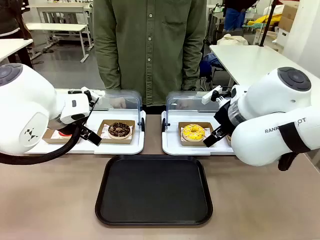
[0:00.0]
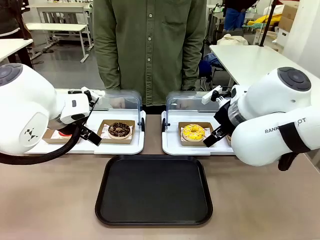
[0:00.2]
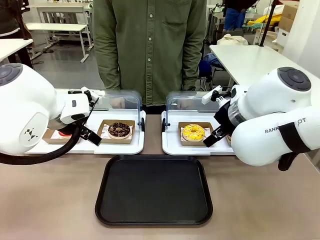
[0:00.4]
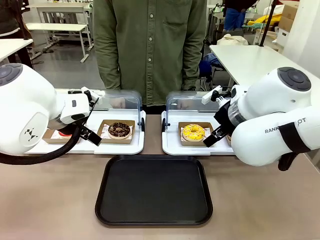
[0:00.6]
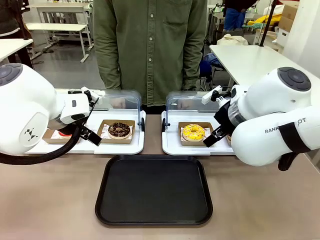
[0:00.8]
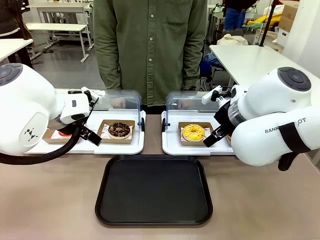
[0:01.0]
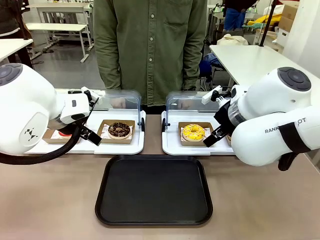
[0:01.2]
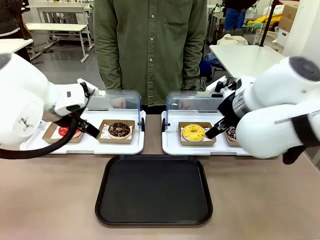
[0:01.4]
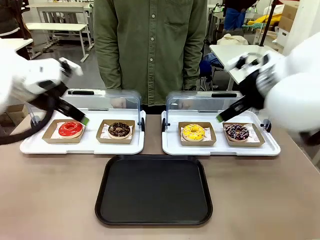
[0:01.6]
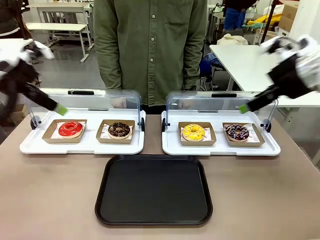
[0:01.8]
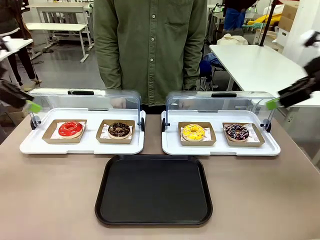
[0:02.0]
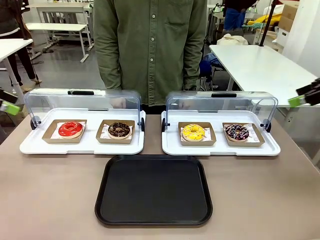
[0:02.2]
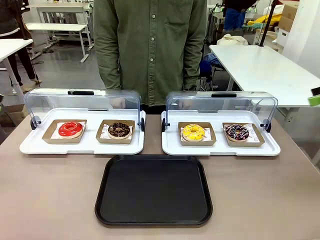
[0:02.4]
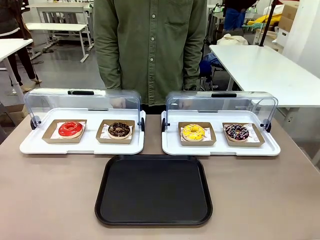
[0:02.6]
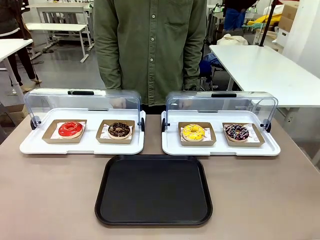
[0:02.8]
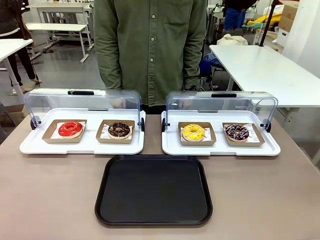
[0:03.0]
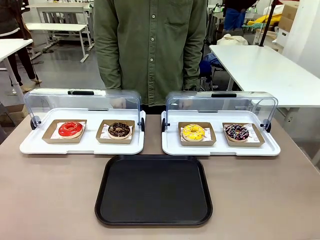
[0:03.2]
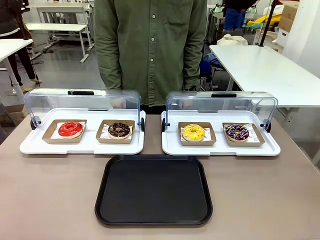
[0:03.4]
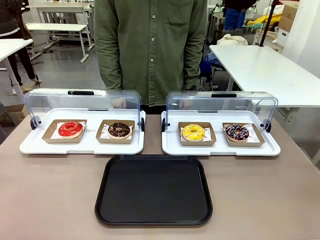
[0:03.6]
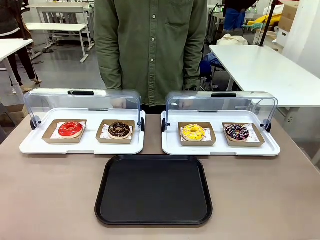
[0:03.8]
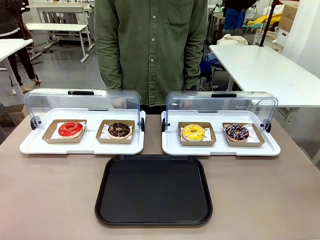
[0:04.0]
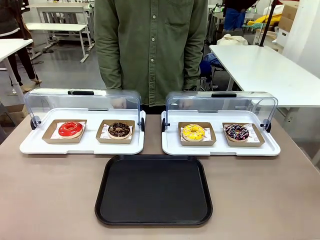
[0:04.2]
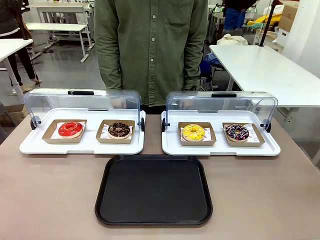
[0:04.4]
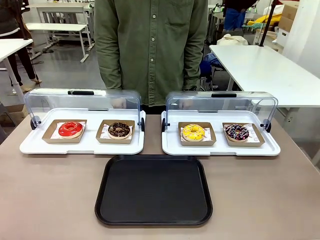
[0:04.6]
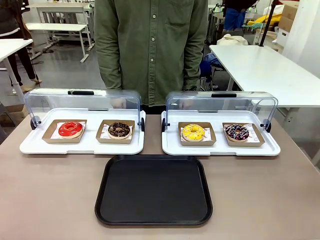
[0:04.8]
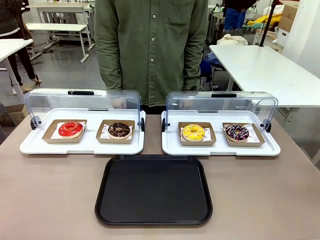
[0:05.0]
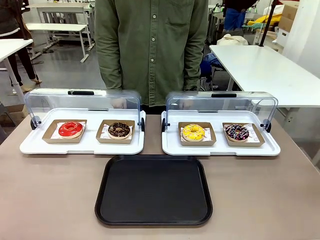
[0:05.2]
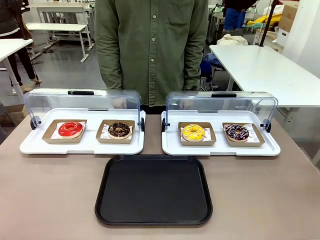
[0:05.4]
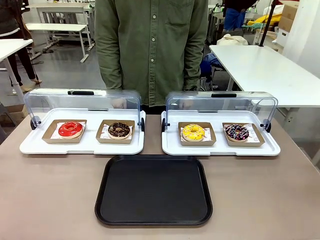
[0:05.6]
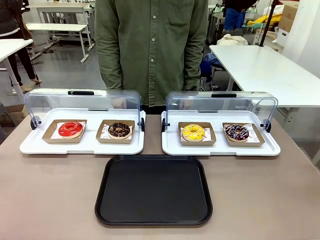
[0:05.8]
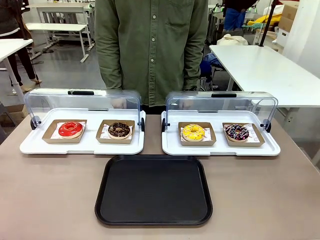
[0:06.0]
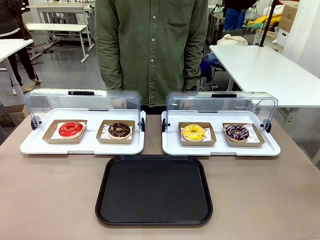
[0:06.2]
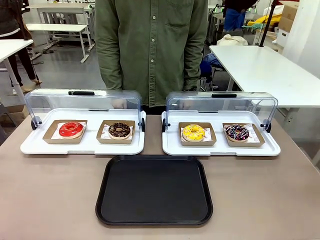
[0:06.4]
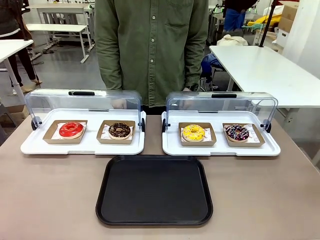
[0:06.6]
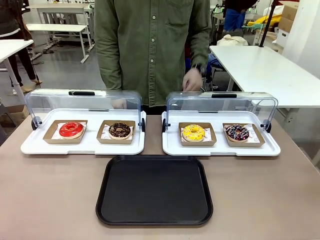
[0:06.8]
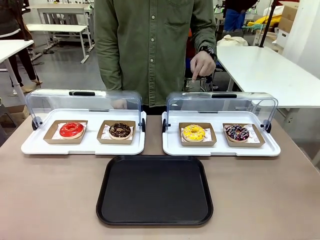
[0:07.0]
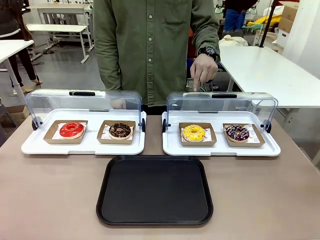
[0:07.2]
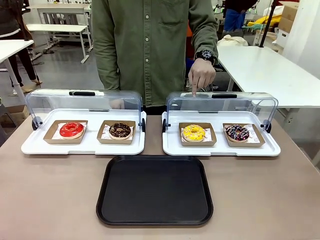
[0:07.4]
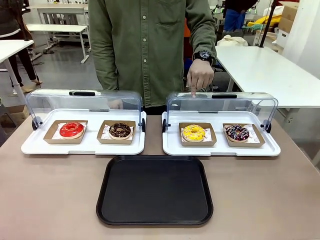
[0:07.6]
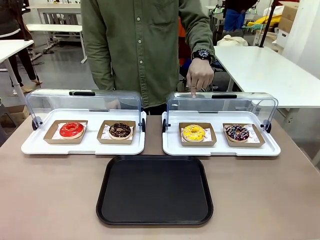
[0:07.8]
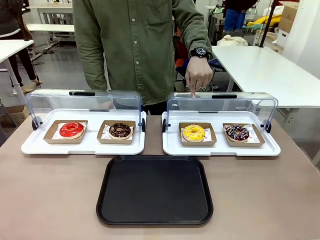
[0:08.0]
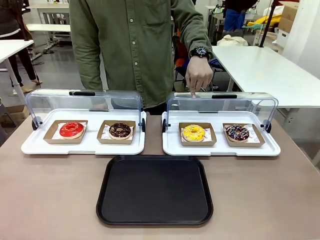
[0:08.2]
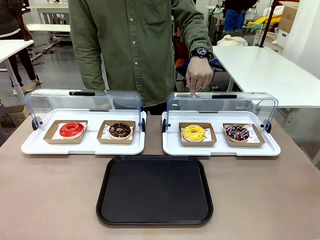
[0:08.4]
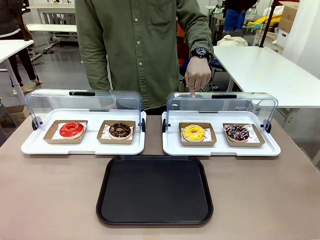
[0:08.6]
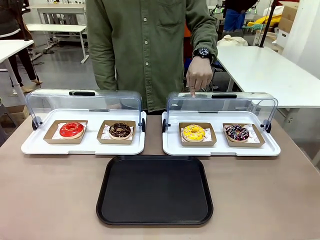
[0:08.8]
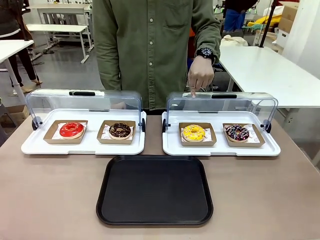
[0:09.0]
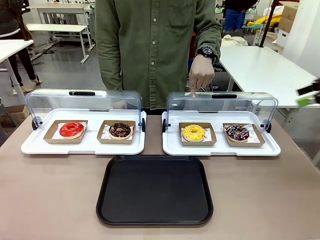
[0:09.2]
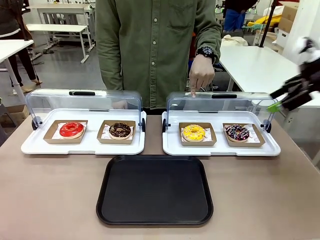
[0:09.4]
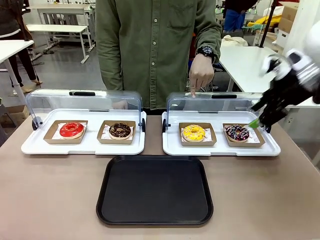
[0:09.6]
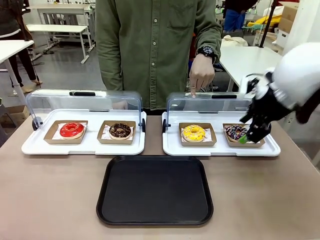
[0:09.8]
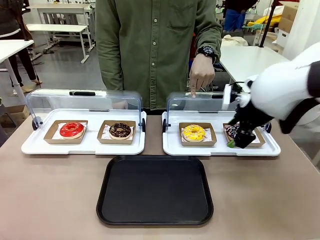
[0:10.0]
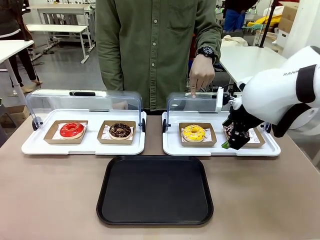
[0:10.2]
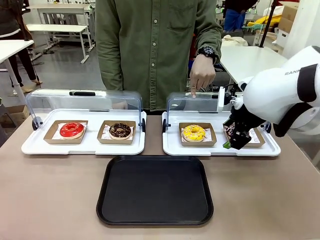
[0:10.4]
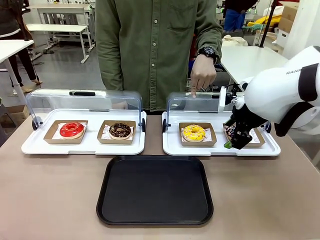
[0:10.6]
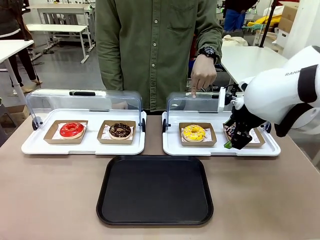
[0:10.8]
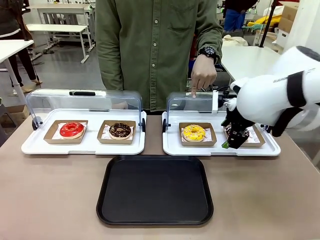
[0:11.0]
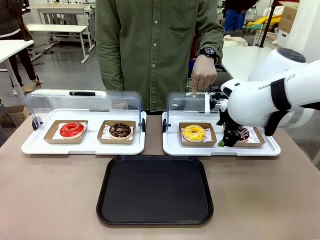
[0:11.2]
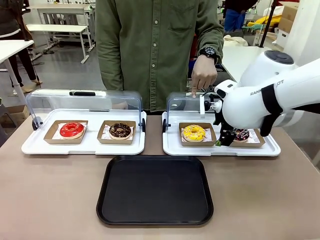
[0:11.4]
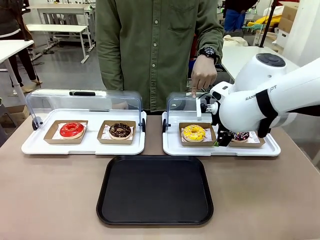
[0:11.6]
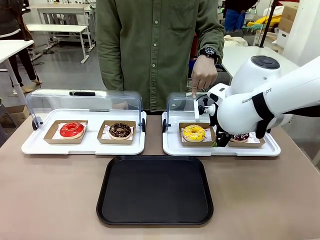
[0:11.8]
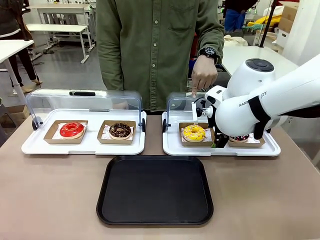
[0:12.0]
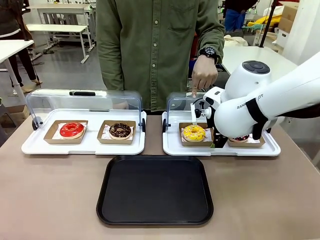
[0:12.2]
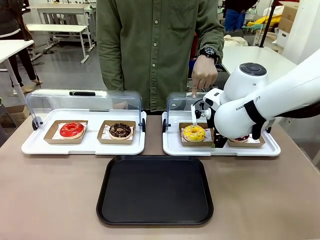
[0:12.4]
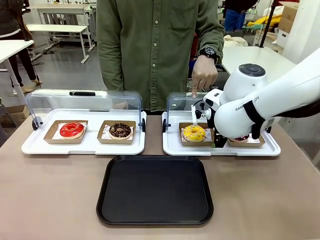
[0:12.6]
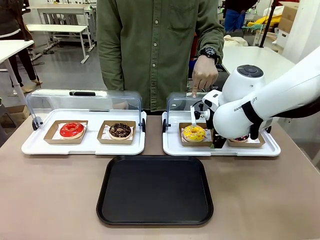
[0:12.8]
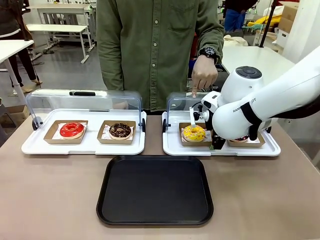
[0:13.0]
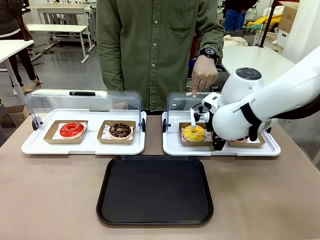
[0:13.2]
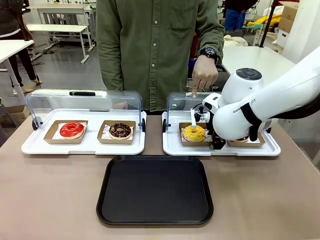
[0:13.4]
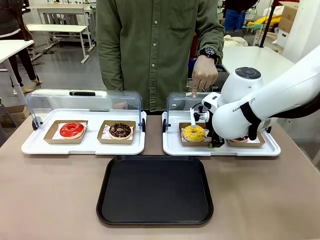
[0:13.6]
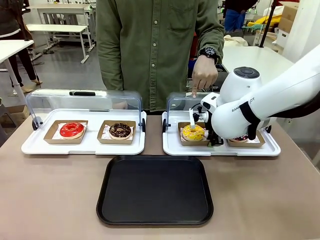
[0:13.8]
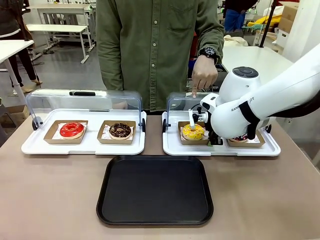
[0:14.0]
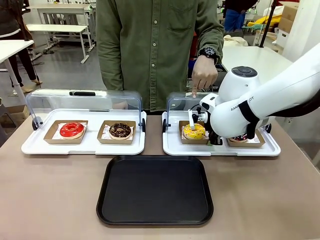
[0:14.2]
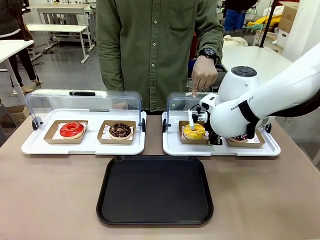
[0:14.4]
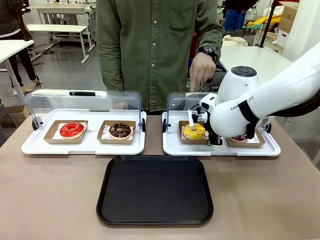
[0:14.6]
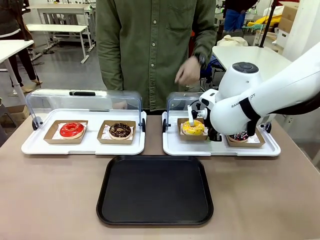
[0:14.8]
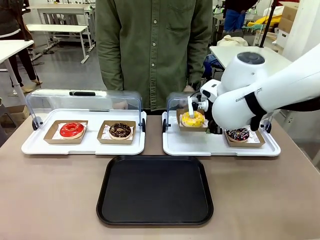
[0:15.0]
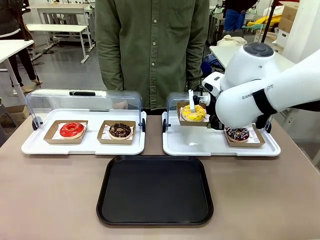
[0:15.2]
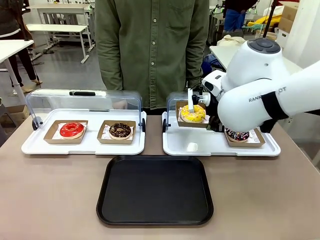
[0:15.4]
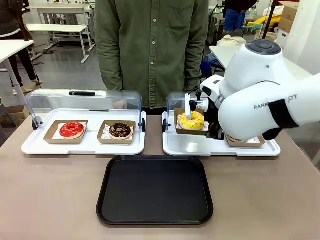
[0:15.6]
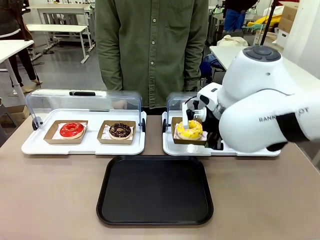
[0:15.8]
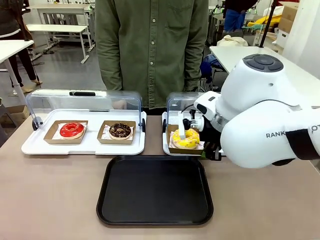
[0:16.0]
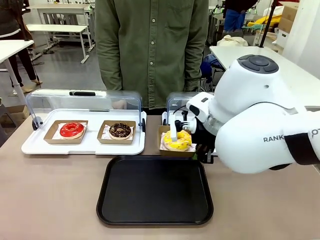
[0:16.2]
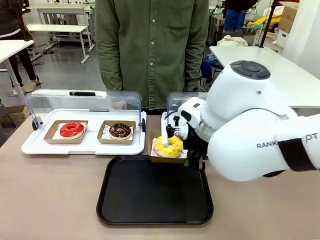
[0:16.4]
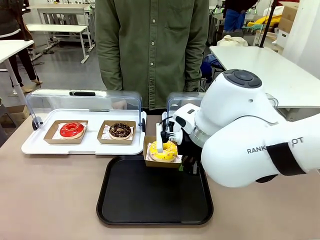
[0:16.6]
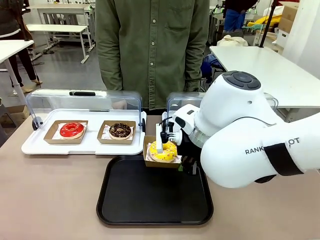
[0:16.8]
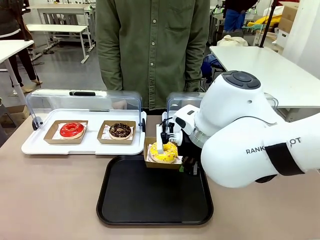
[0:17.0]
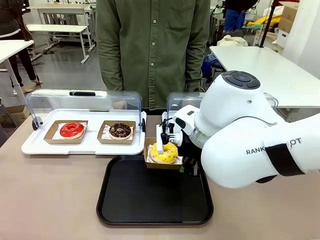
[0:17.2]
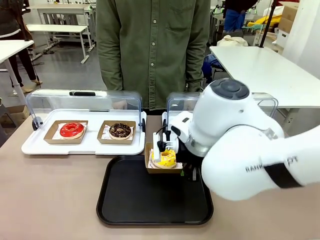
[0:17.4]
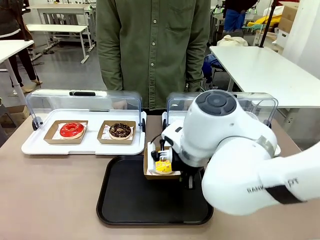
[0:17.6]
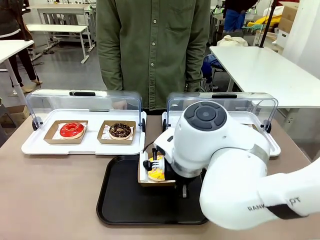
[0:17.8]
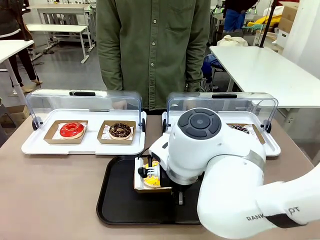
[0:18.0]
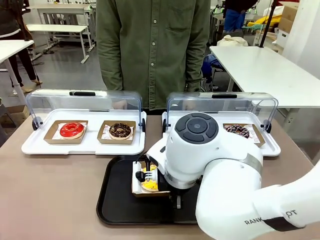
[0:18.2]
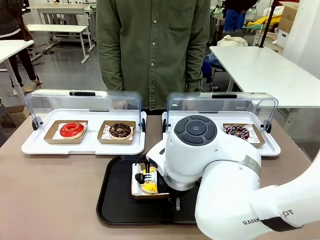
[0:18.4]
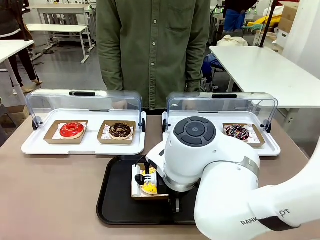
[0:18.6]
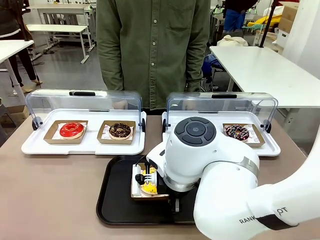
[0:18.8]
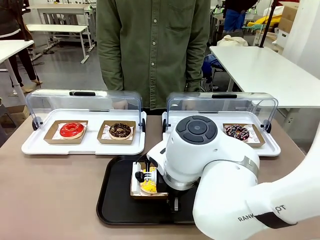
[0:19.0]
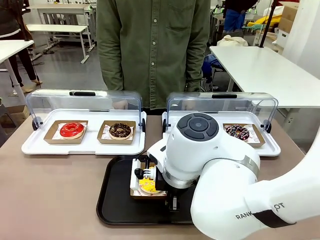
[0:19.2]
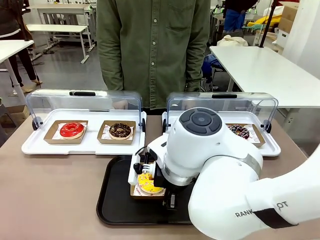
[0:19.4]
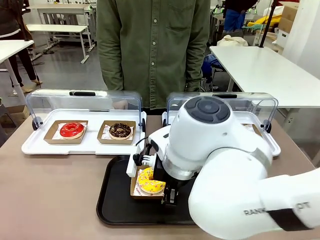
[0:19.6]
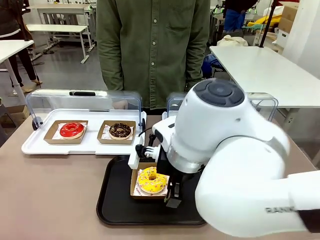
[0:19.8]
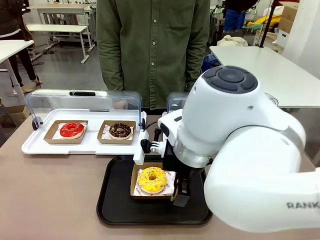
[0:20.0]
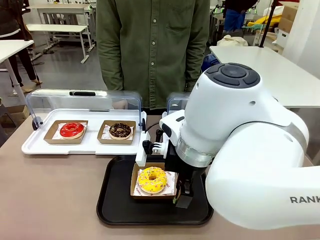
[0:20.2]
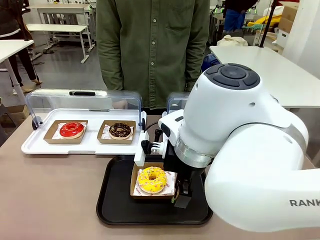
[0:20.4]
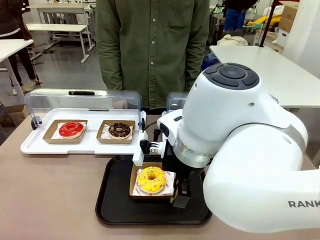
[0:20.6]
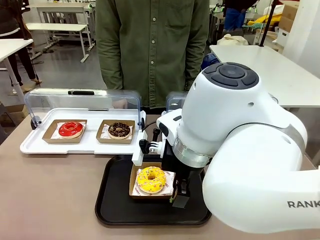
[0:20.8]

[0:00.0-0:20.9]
Task: Move the third donut from the left to the tray.
Robot: Pick up the Paper togo box containing the Donut indicated by the person and place it on the Handle tray.
Person: Points to the third donut from the left from the robot’s perspective.
